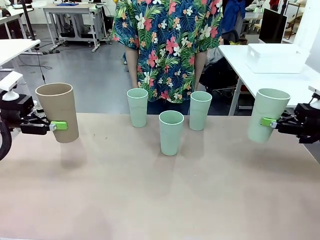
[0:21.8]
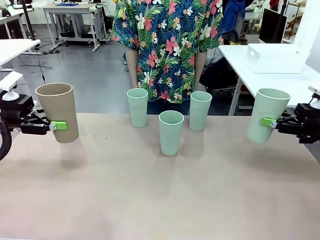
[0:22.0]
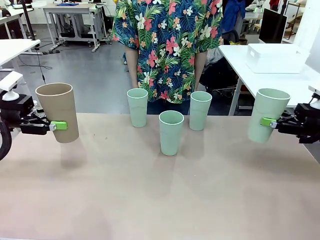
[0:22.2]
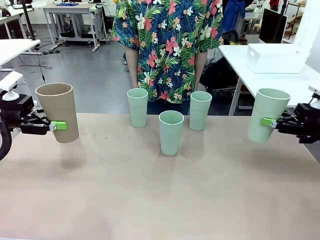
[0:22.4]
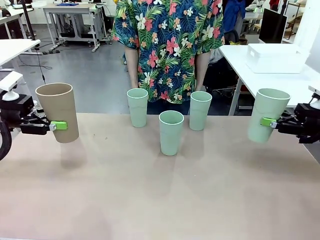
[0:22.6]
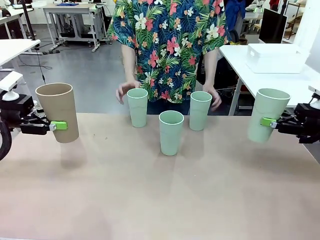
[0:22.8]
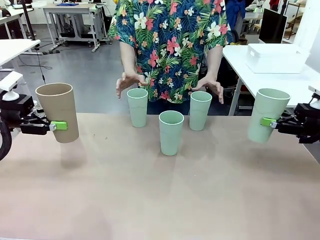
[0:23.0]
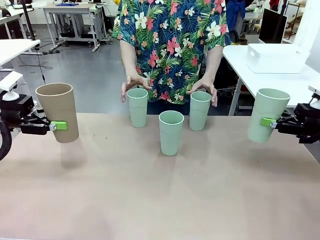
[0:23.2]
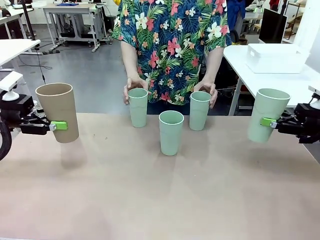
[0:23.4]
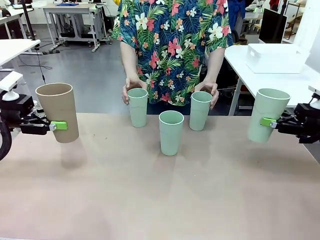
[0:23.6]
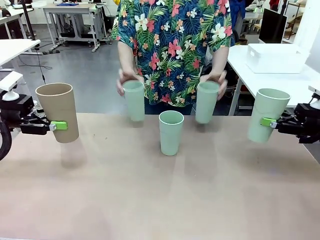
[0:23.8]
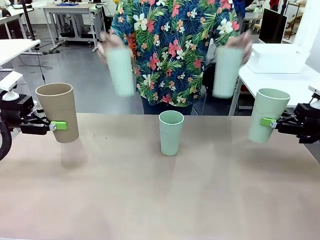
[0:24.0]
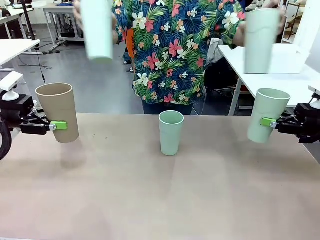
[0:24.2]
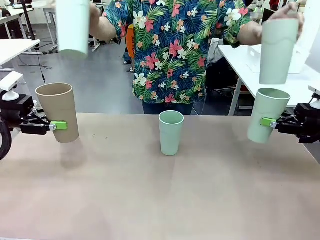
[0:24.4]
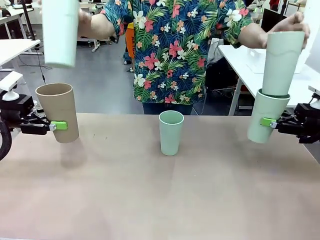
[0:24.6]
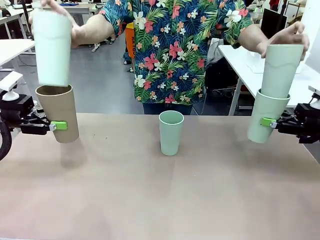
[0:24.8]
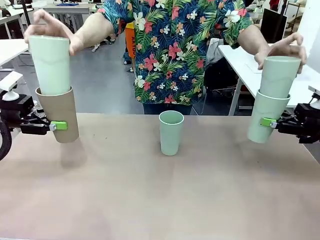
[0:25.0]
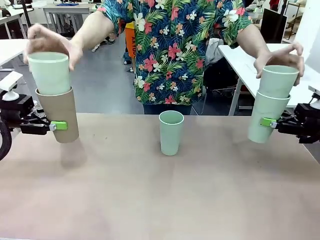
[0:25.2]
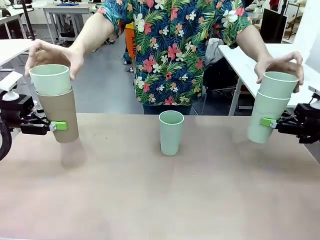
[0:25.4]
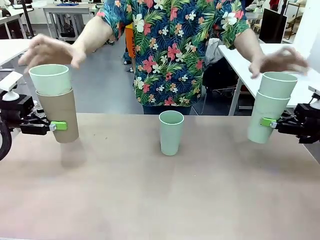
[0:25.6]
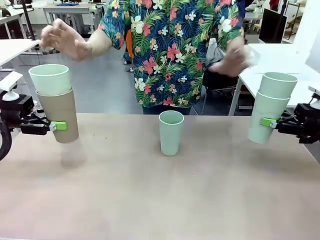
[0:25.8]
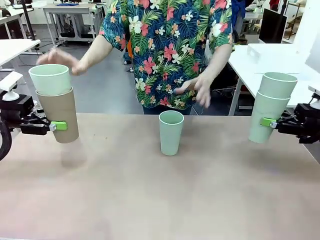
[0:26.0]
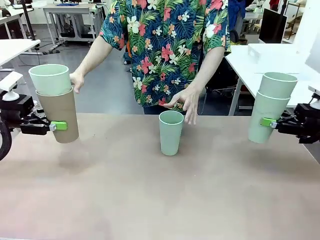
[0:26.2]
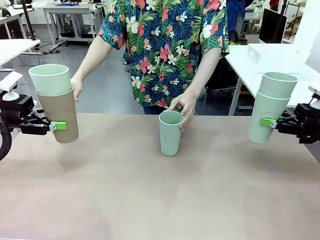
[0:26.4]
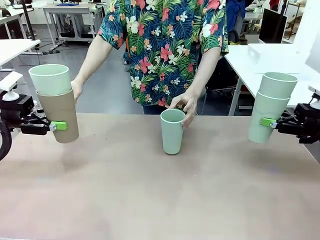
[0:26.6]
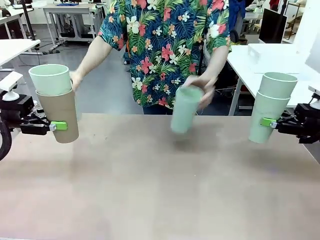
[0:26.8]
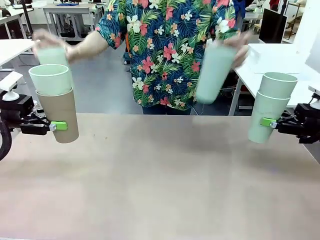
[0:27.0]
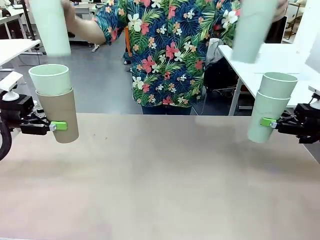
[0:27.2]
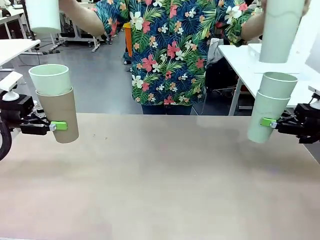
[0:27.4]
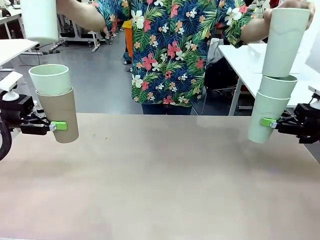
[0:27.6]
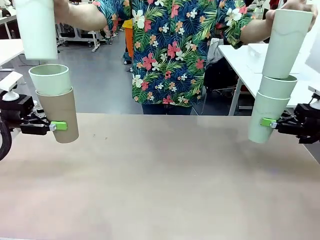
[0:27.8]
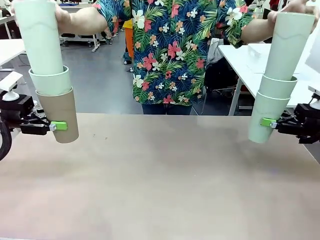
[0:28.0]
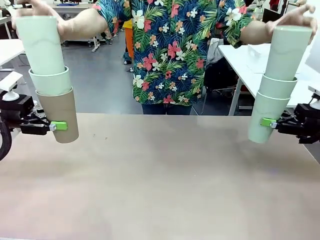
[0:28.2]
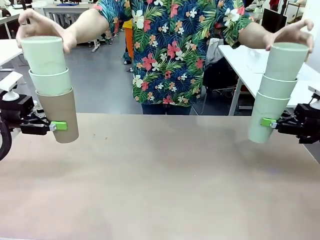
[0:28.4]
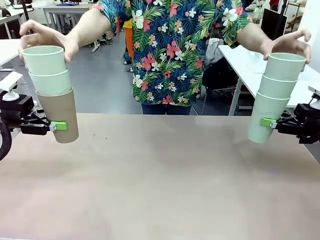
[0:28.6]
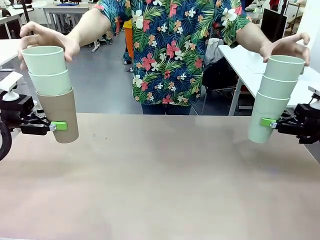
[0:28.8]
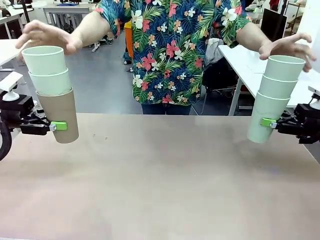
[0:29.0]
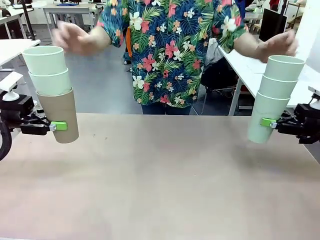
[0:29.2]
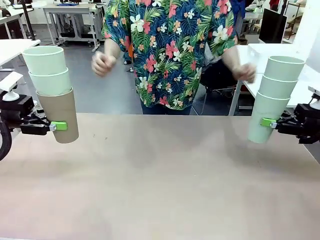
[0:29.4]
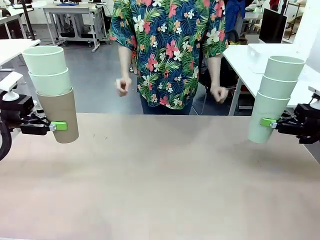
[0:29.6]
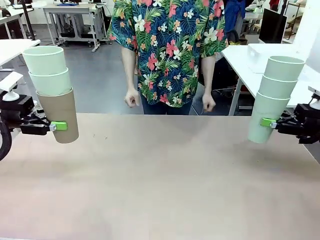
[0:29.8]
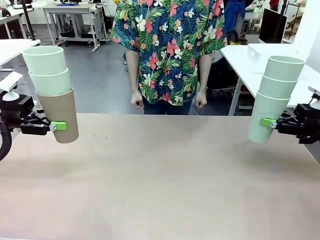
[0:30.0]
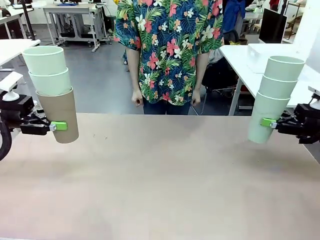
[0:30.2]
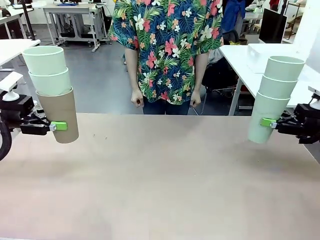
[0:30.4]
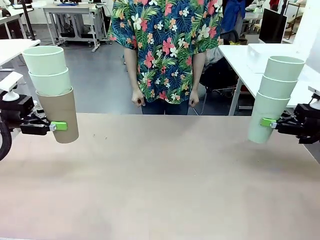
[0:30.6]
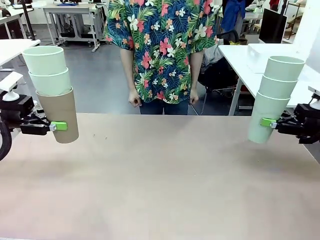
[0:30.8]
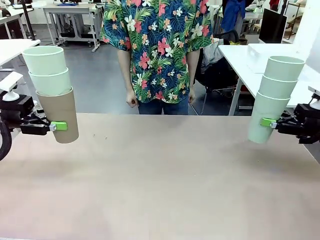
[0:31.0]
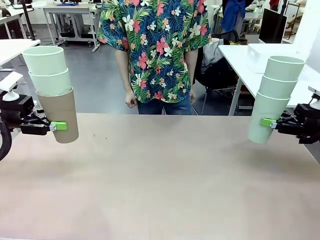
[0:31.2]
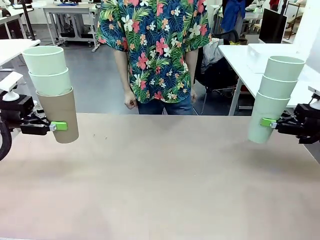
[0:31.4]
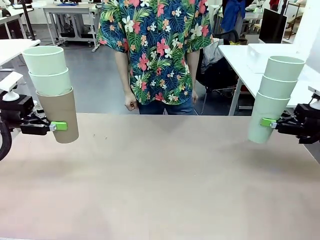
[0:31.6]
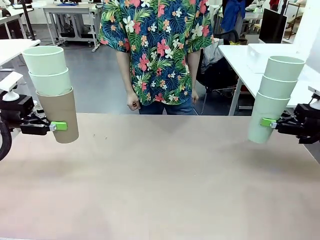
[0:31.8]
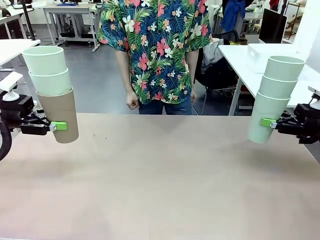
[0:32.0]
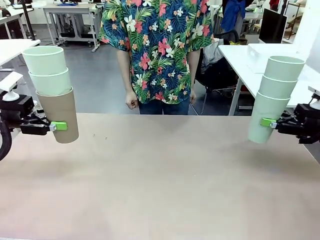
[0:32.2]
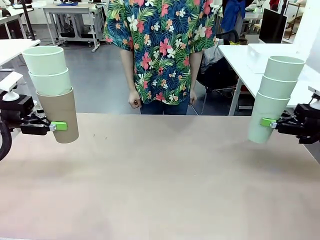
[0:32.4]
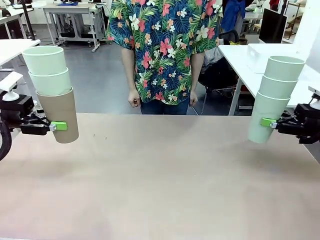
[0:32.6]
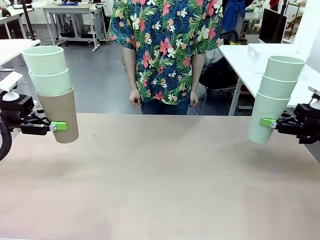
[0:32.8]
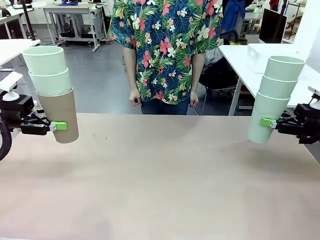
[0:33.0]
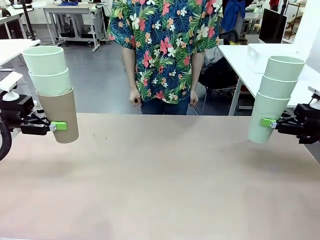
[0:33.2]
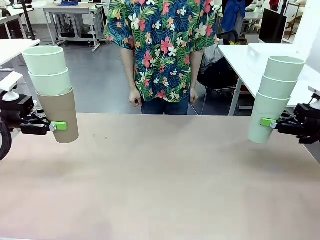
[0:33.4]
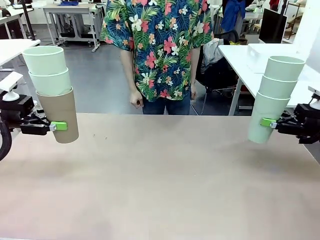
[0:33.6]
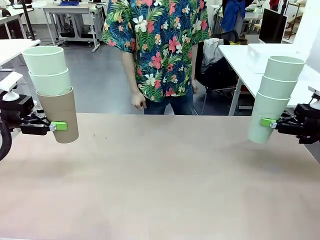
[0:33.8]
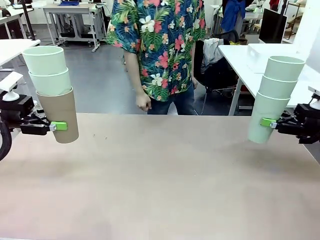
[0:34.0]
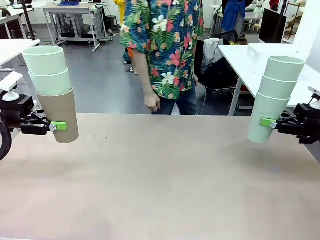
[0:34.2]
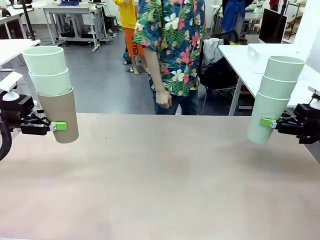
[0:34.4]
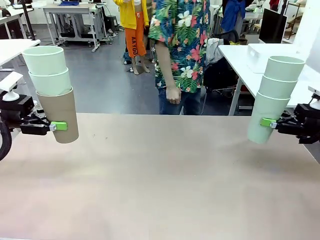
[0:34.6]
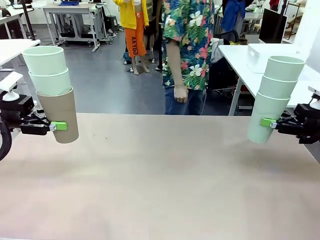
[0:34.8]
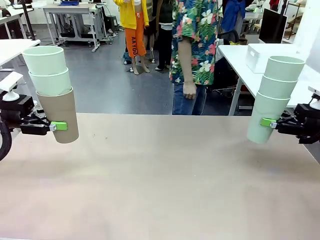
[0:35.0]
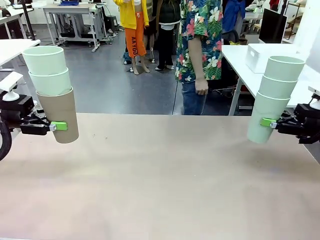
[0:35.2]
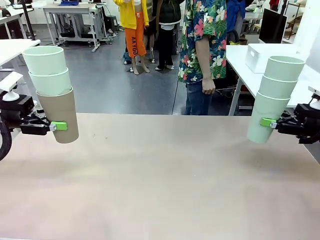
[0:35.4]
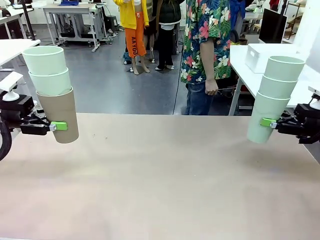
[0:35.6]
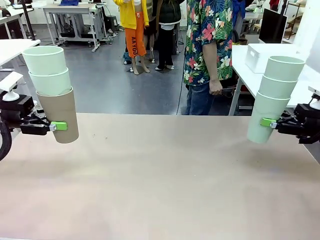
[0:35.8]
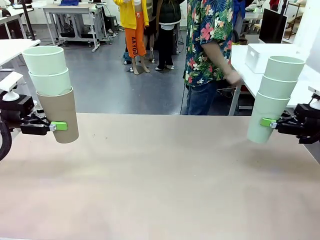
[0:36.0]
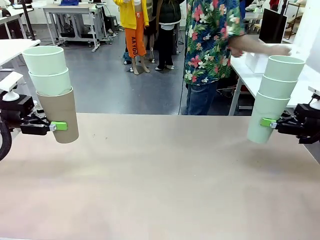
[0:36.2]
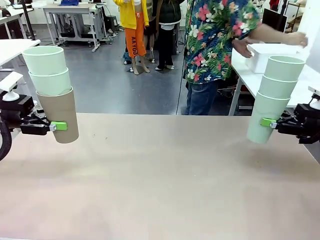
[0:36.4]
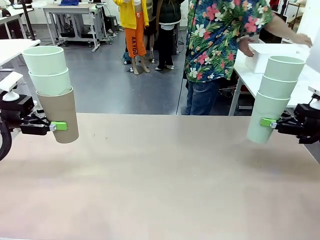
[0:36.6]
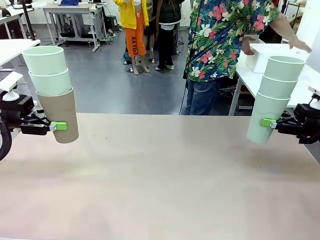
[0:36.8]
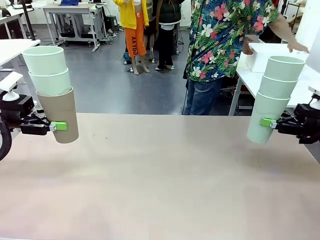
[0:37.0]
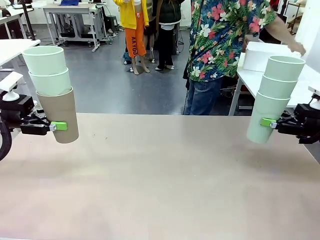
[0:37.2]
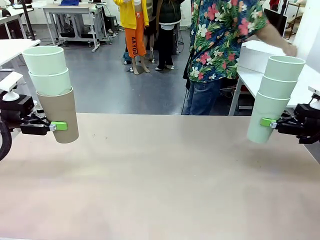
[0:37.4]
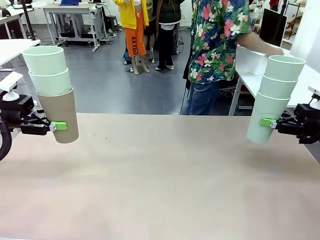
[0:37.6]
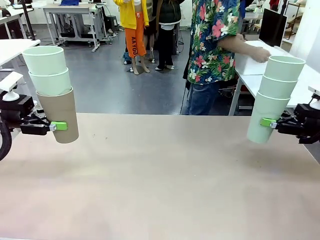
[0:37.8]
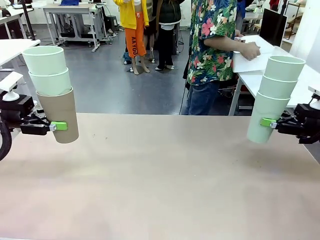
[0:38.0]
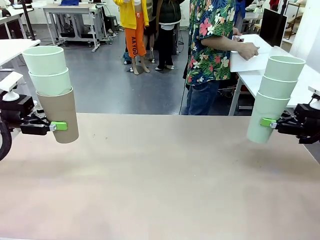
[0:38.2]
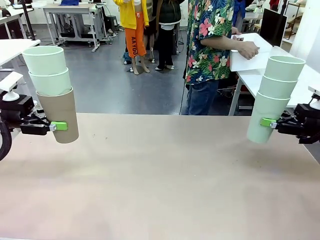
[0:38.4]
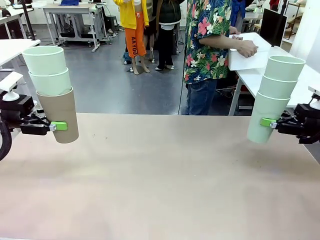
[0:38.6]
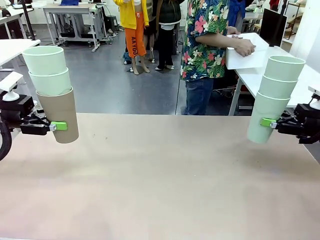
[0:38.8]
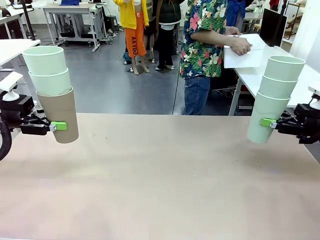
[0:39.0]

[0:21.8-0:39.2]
Task: Stack the cups and store them in the basket.
Robot: Place the stack of Reusable plastic cups into the Pantry Basket.
Person: Pick up the basket from the Human Table, bring it to the front of the robot, and present it.
